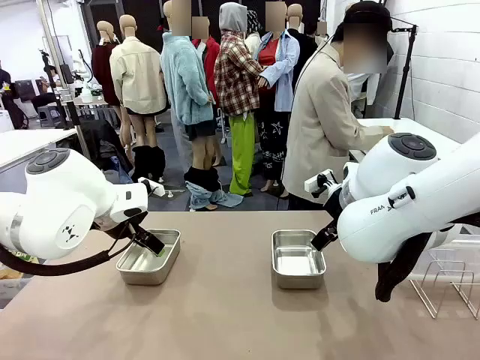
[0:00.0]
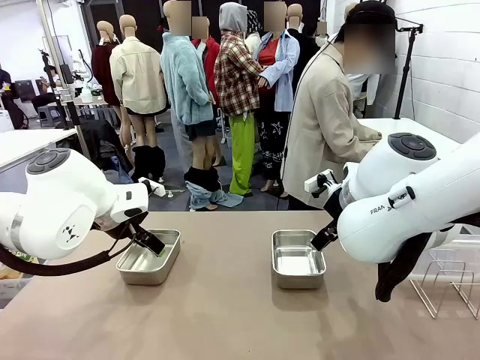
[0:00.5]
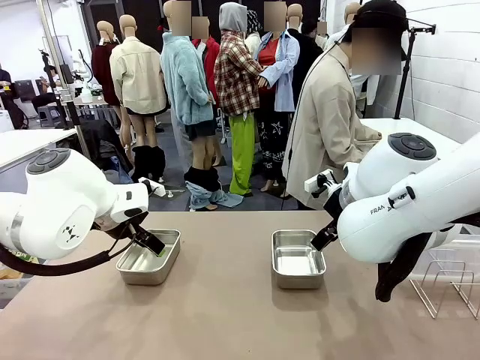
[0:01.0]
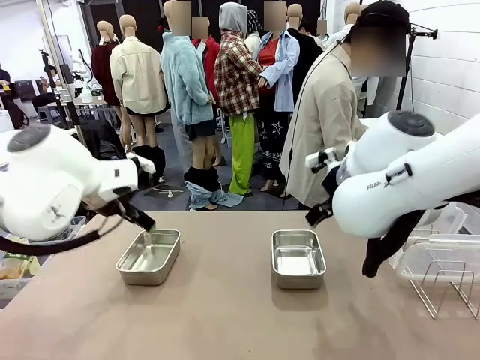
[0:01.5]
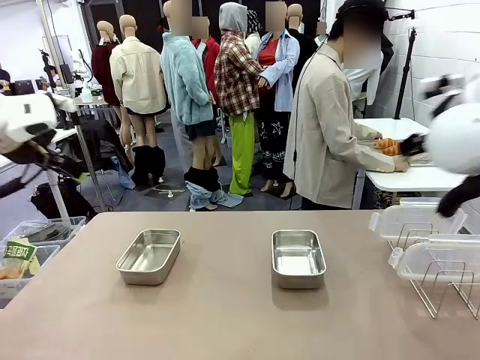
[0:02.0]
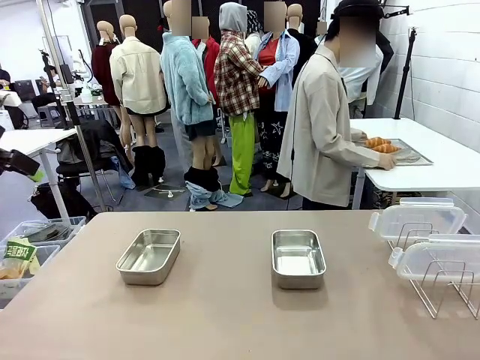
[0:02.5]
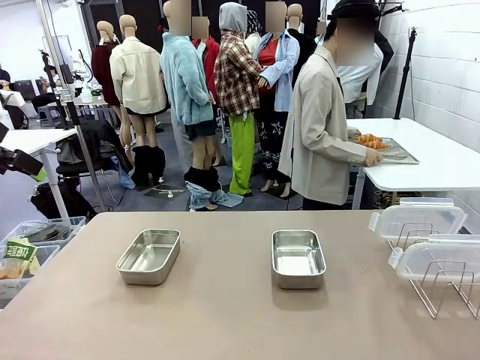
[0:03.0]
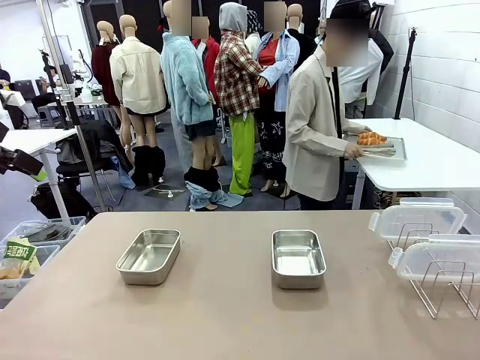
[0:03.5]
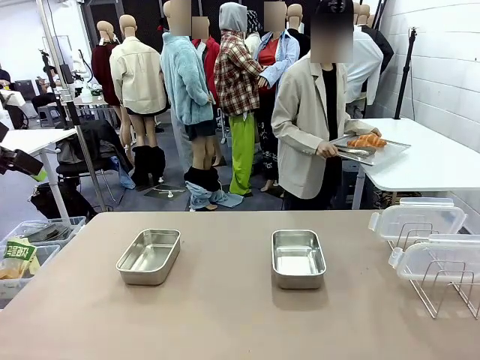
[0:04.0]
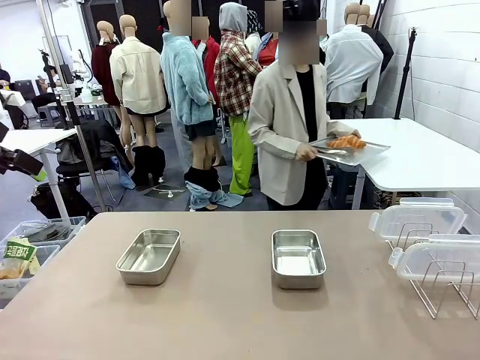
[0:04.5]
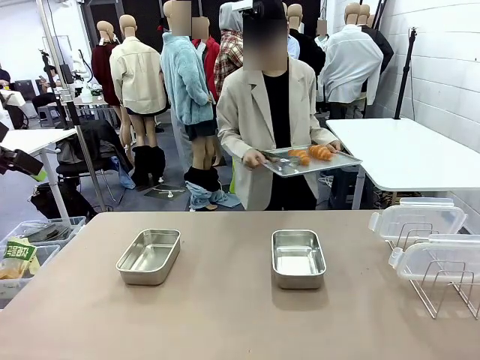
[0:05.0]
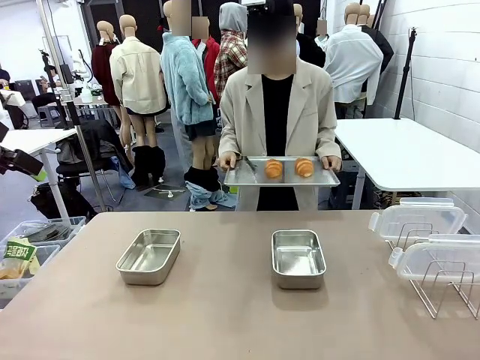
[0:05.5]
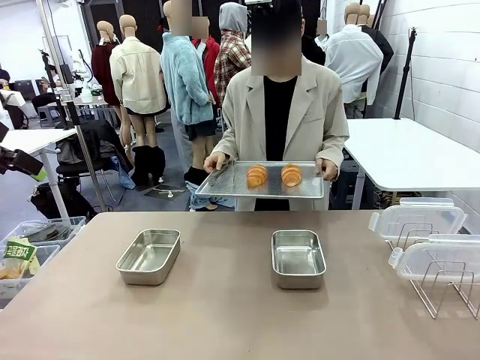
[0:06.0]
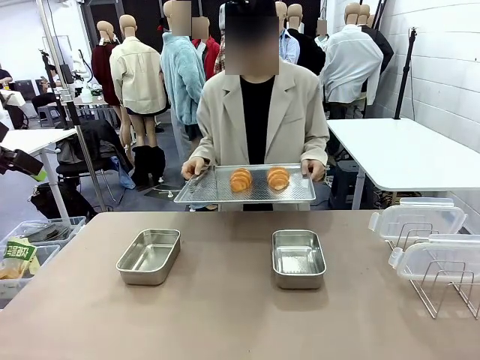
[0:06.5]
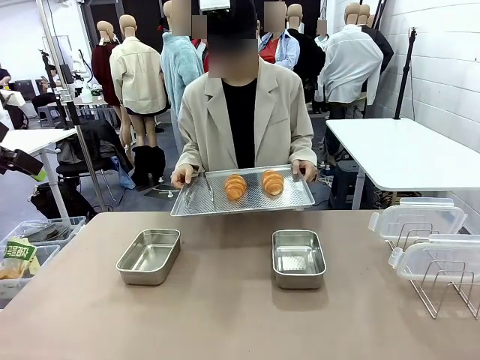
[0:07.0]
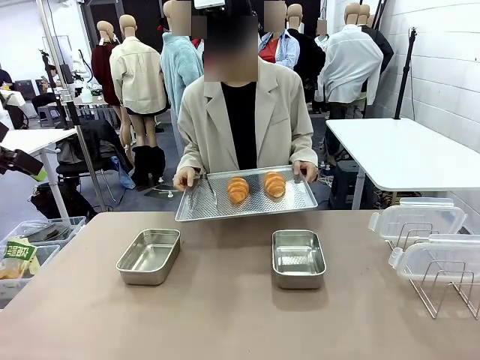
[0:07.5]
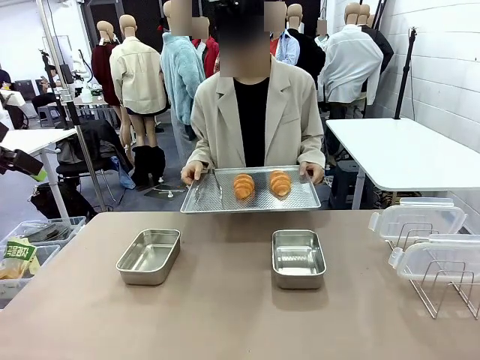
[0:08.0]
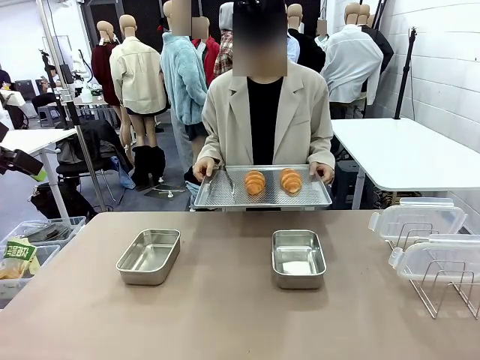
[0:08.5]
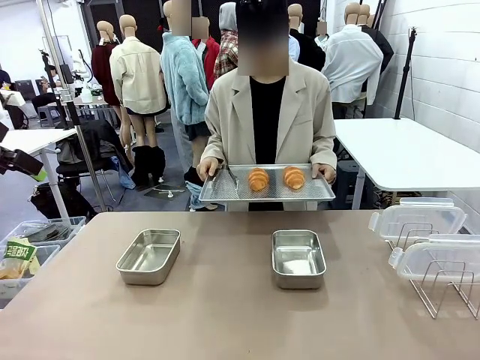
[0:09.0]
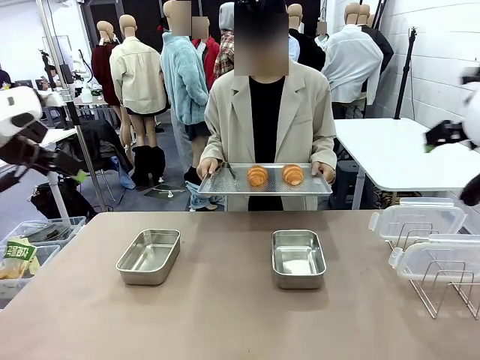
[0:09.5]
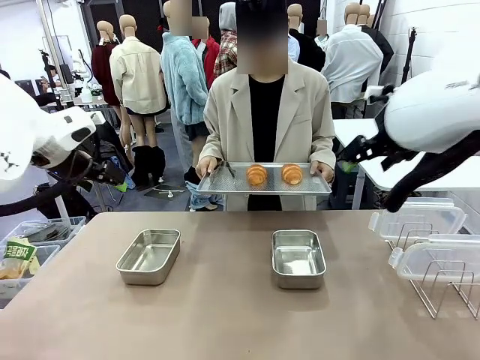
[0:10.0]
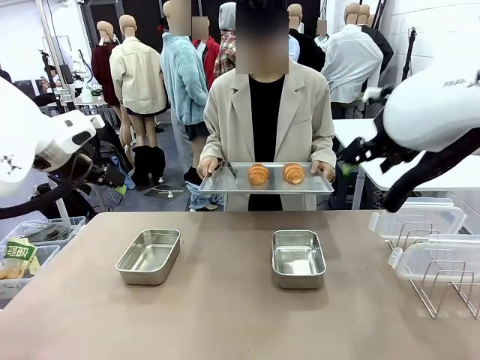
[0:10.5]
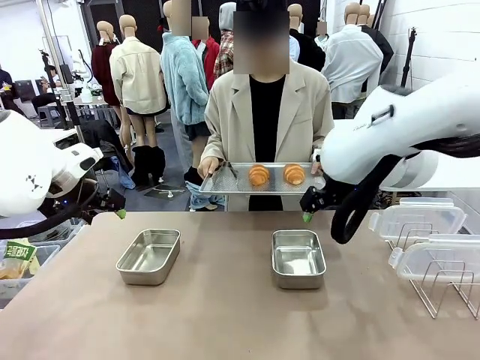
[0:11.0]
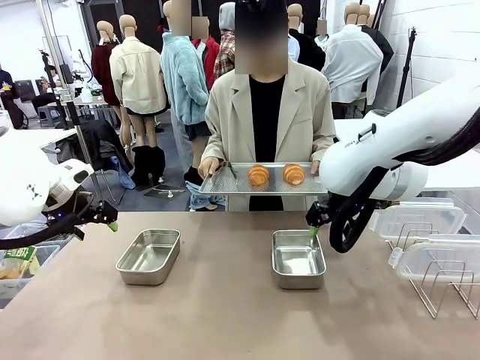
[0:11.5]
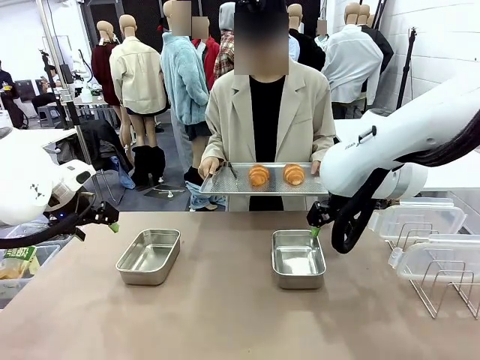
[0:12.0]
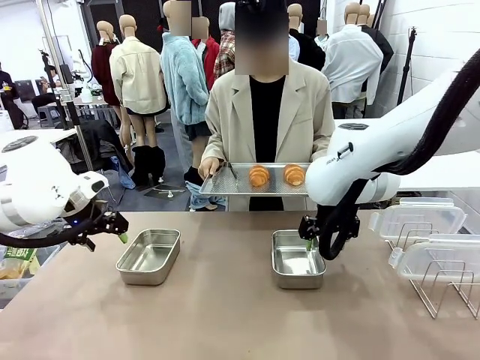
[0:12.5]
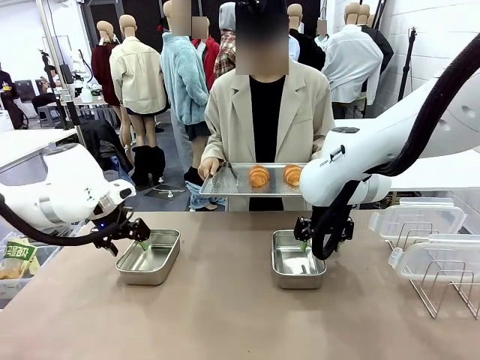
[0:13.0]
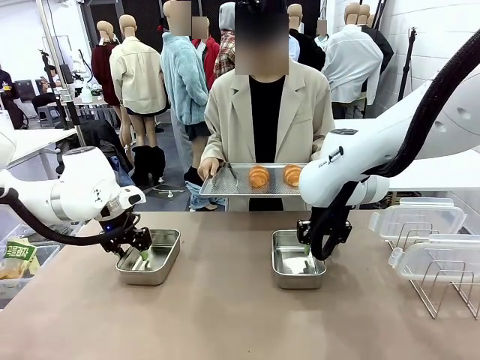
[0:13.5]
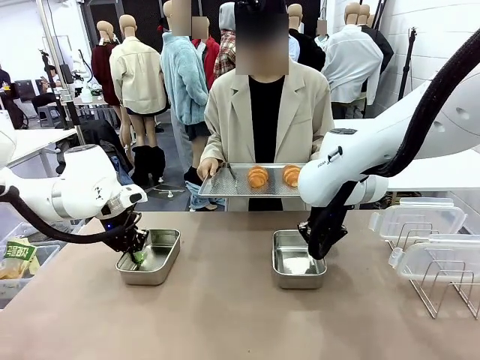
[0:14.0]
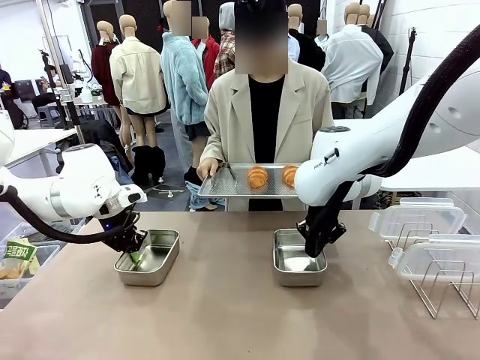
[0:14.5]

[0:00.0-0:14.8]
Task: Place the bread in airtight containers.
Robot: Lift both Airtight Container.
Person: Bring the Baking Sheet in front of Robot's Table.

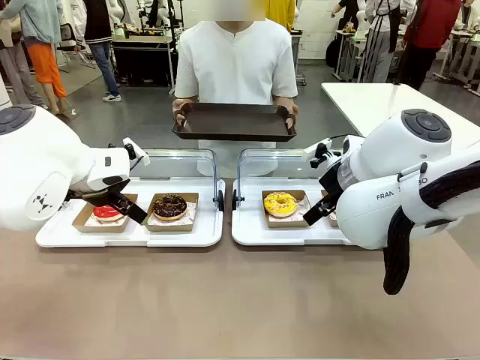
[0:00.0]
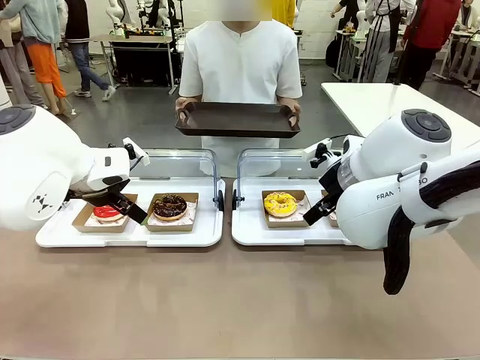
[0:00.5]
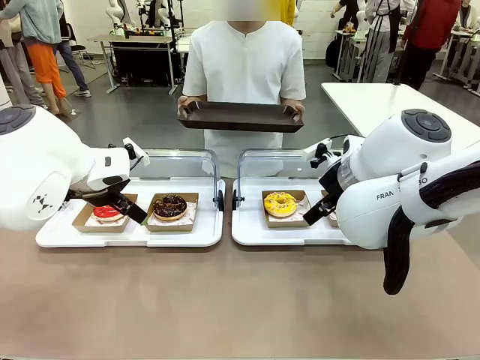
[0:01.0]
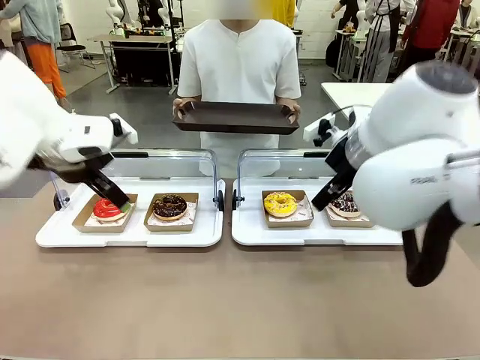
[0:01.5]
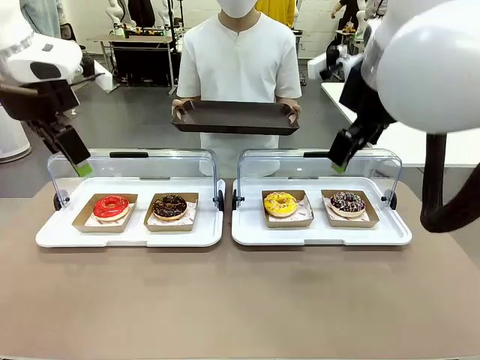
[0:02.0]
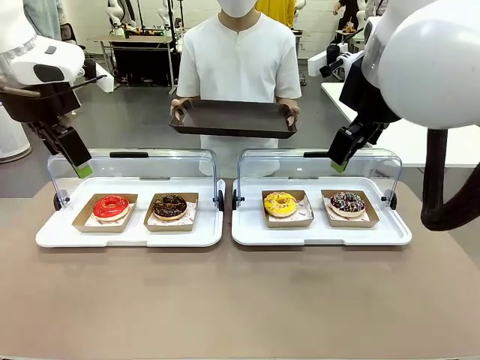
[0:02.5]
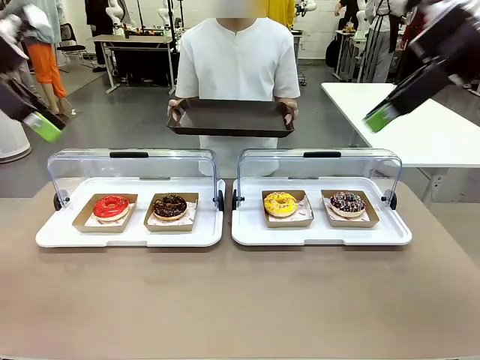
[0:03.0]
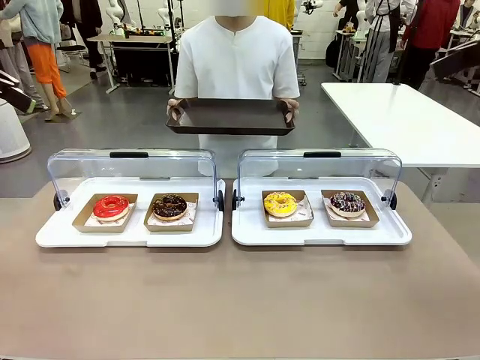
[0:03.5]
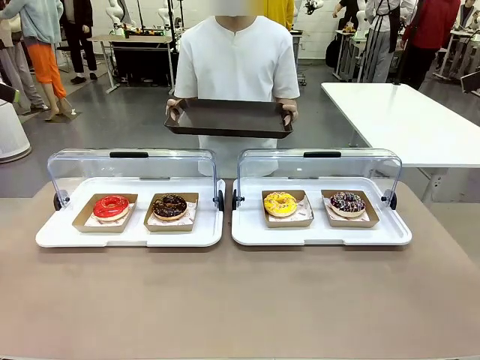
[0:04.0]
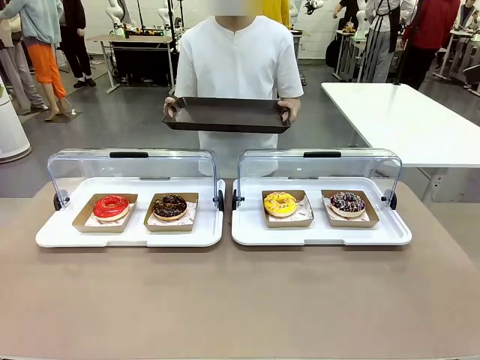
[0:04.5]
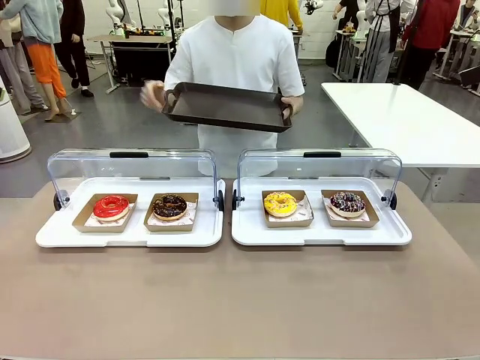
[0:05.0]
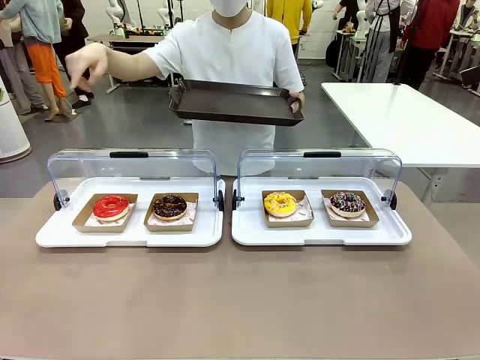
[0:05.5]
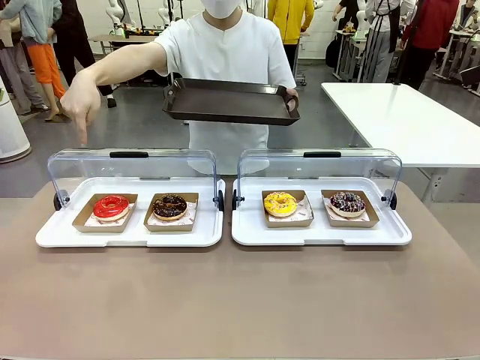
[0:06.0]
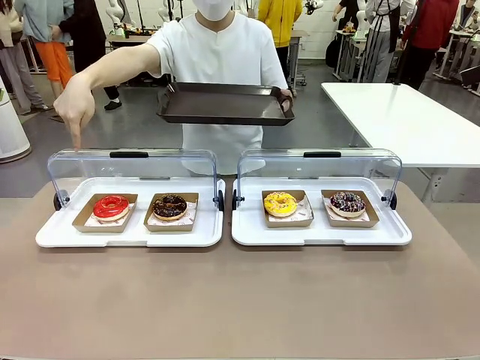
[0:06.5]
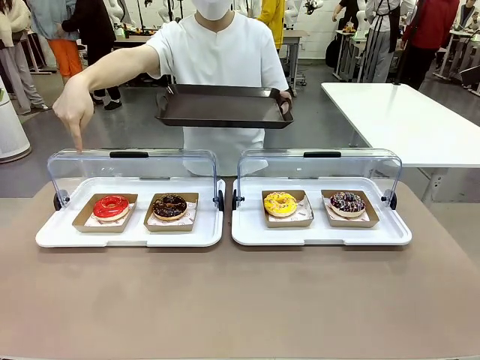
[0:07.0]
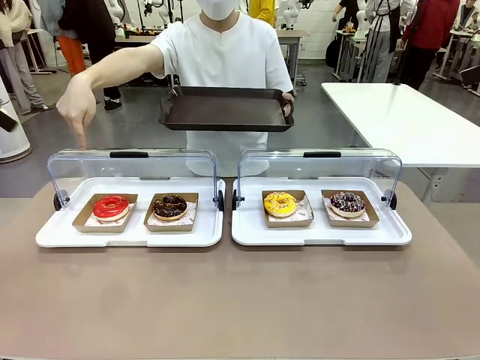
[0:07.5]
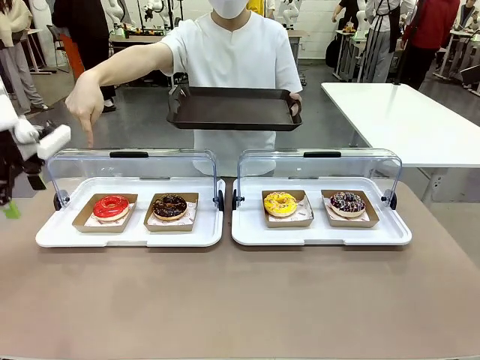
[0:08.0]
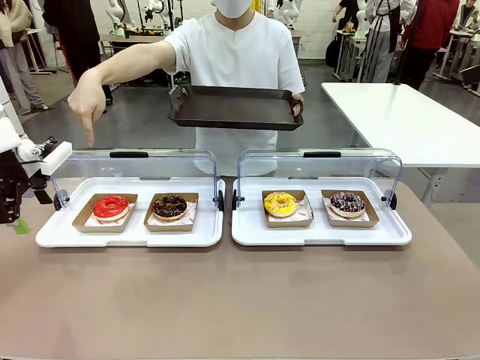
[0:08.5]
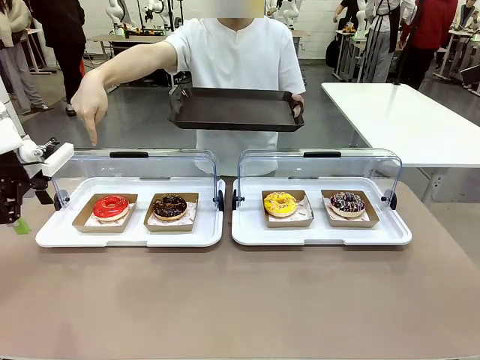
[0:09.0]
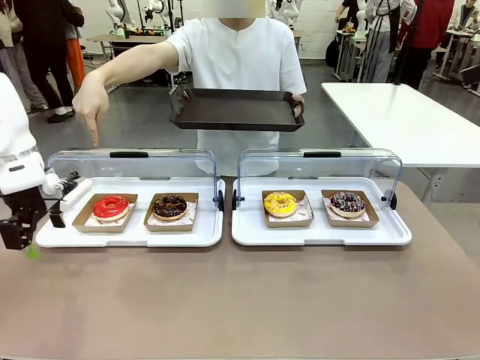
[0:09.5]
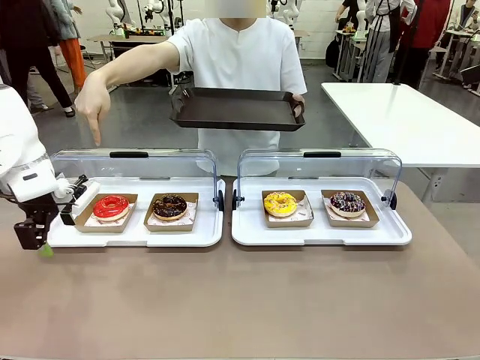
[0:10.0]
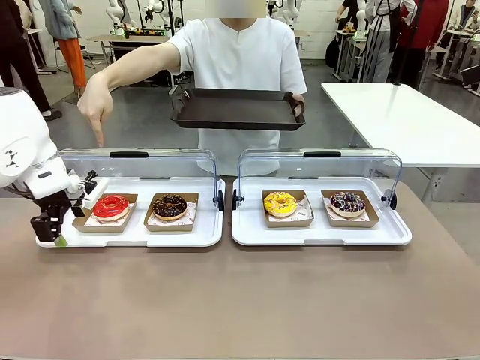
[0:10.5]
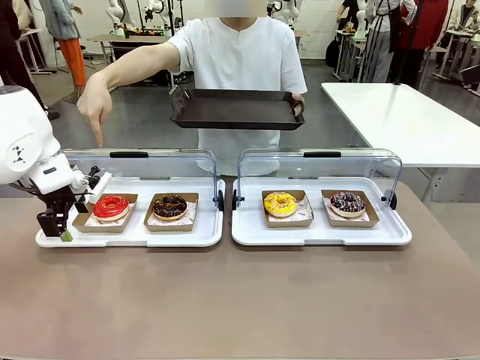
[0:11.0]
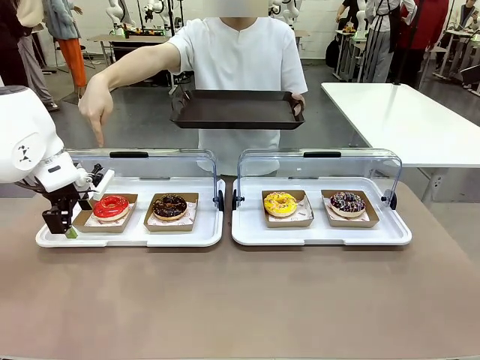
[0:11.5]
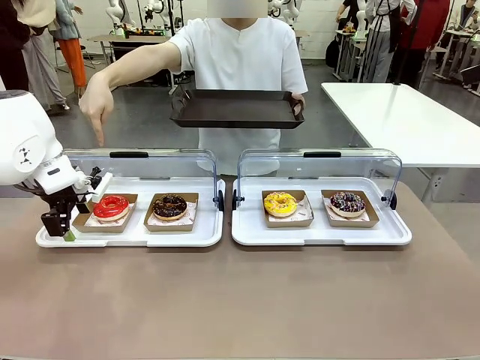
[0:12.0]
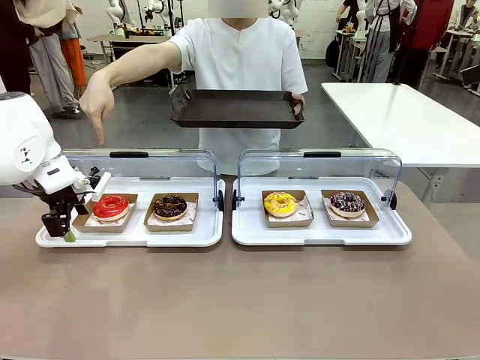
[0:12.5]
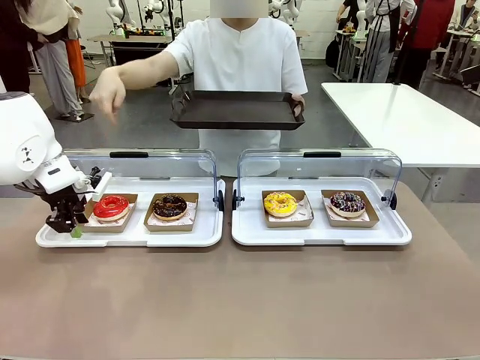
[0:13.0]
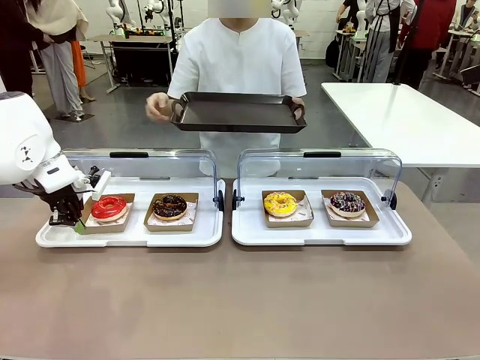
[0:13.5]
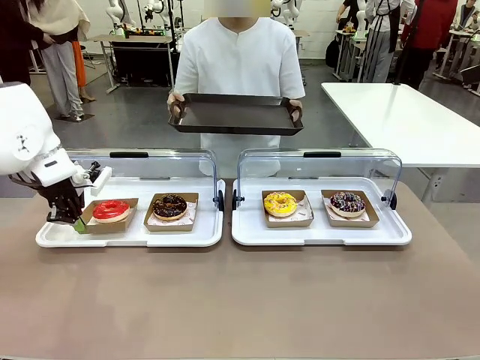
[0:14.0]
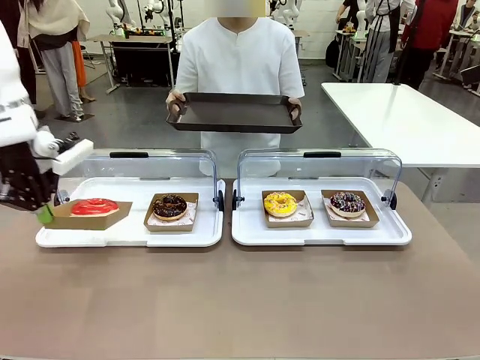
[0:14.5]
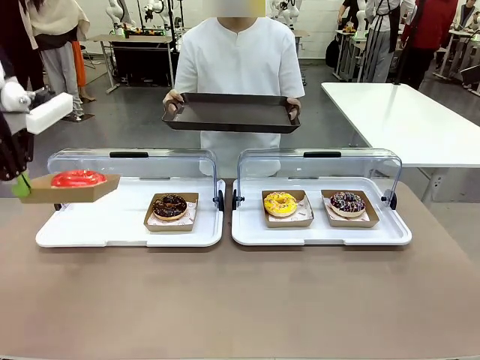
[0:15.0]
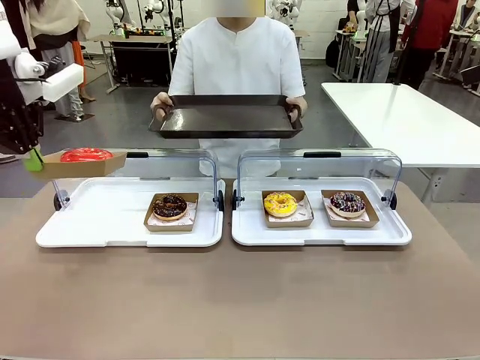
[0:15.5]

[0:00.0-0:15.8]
Task: Provide the desired donut to the person.
Robot: Pick up and lift the Paper togo box containing the Donut pointed at by the person.
Person: Point to one donut. Lift the tray onto the Roll-Top Bakery Case.
